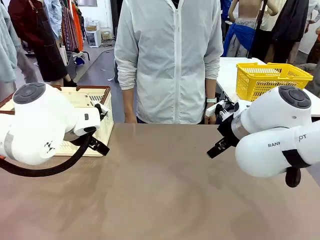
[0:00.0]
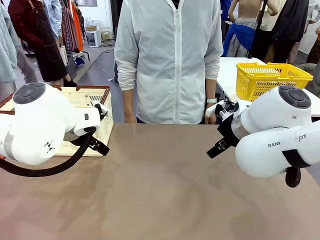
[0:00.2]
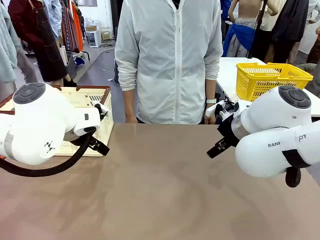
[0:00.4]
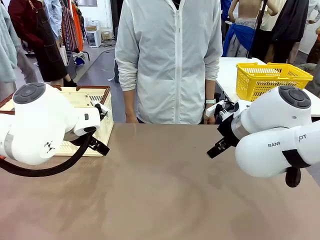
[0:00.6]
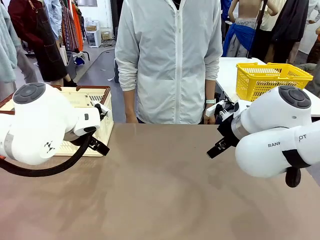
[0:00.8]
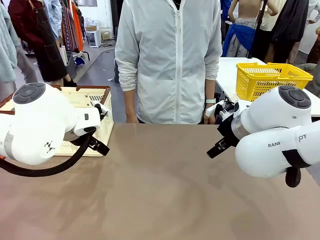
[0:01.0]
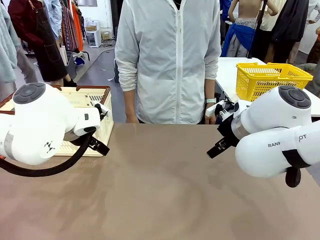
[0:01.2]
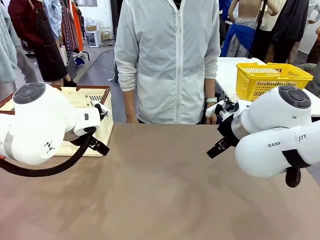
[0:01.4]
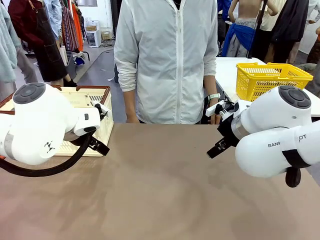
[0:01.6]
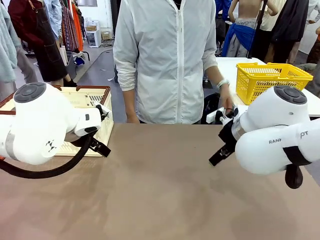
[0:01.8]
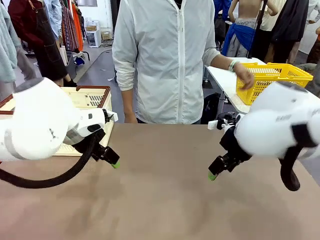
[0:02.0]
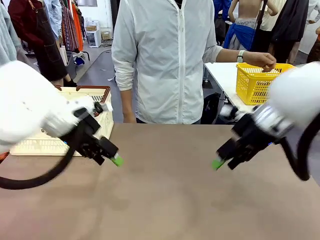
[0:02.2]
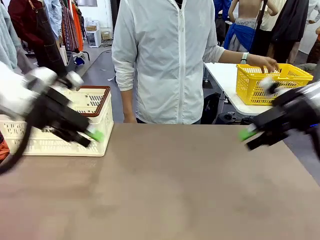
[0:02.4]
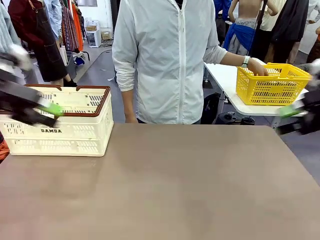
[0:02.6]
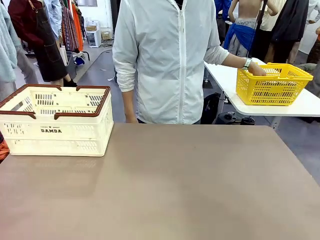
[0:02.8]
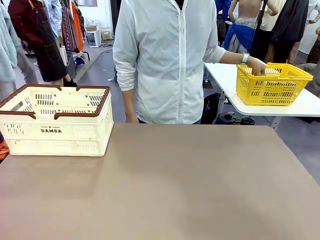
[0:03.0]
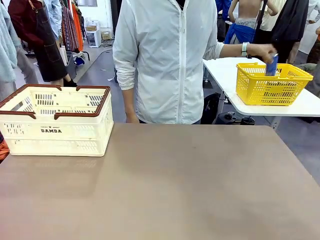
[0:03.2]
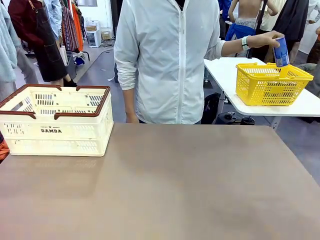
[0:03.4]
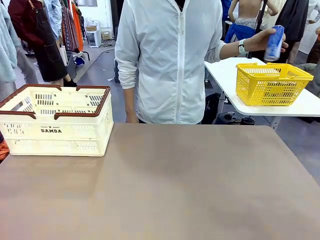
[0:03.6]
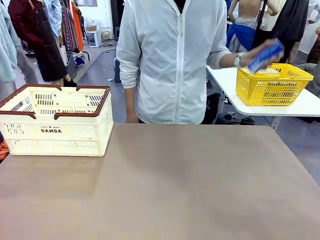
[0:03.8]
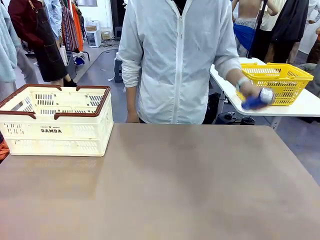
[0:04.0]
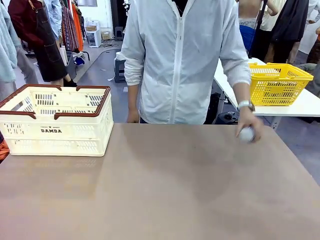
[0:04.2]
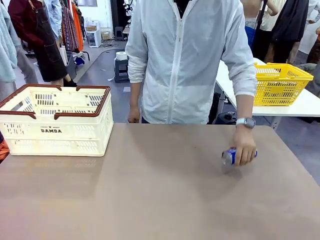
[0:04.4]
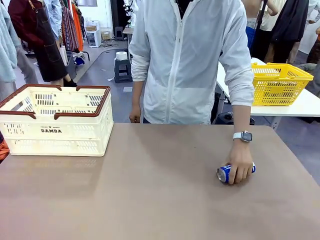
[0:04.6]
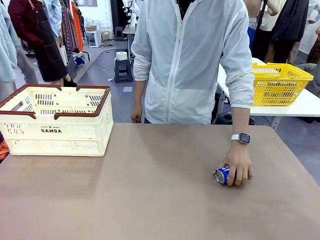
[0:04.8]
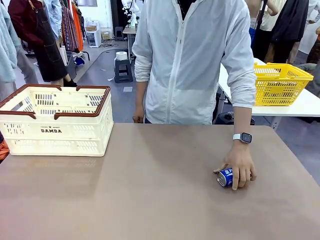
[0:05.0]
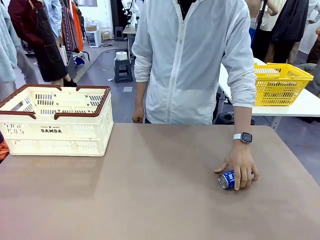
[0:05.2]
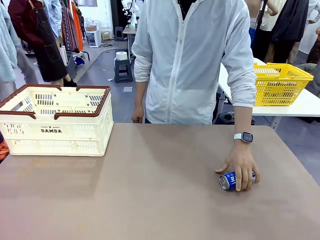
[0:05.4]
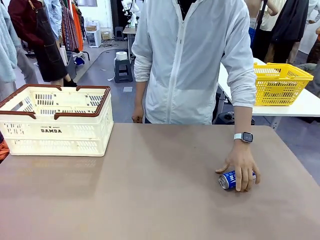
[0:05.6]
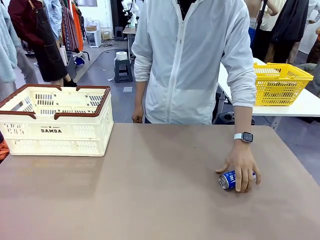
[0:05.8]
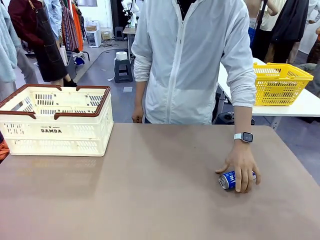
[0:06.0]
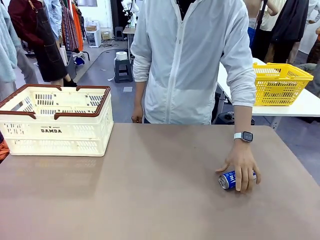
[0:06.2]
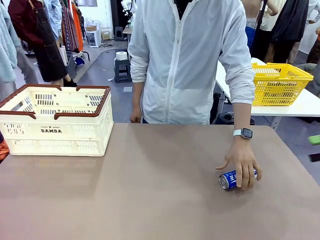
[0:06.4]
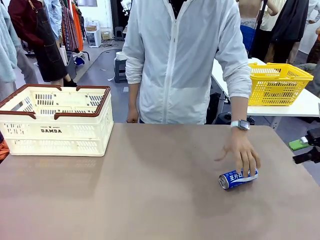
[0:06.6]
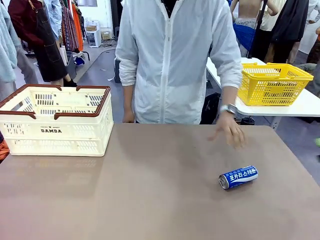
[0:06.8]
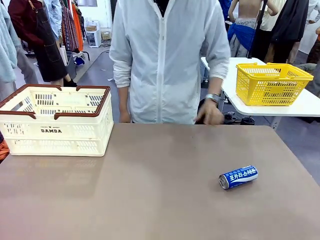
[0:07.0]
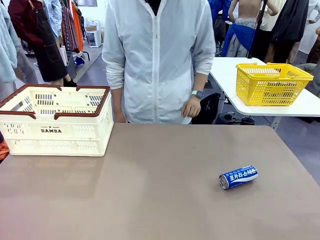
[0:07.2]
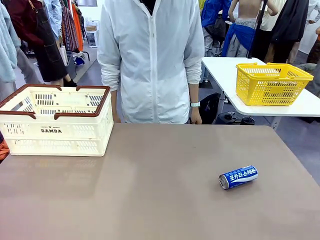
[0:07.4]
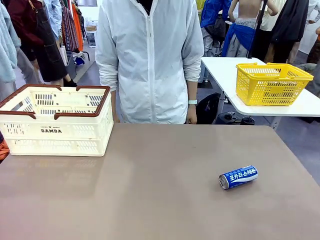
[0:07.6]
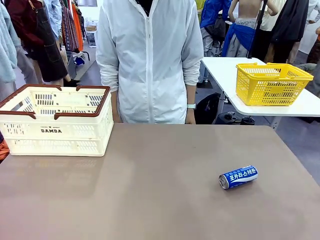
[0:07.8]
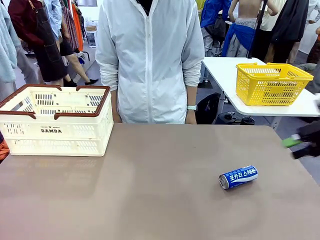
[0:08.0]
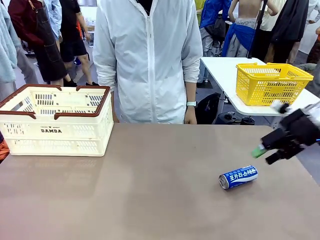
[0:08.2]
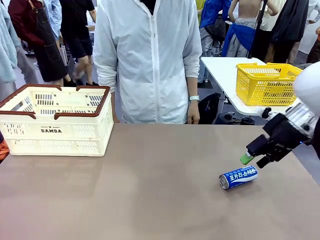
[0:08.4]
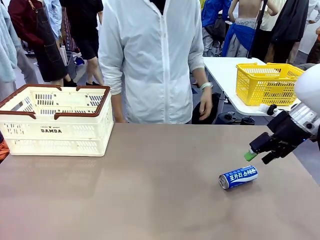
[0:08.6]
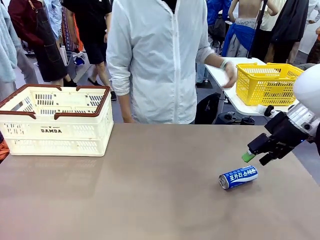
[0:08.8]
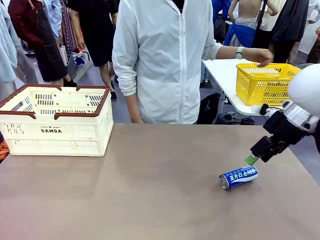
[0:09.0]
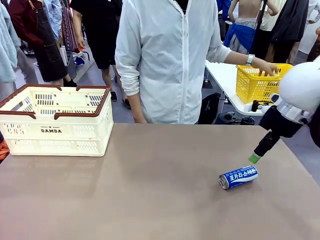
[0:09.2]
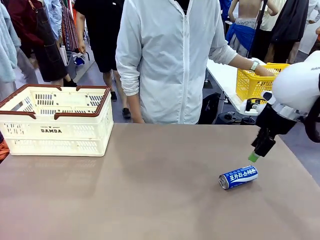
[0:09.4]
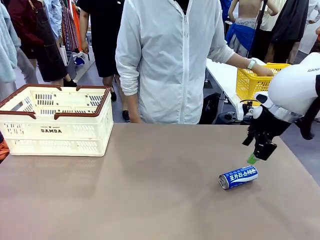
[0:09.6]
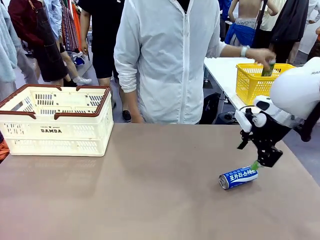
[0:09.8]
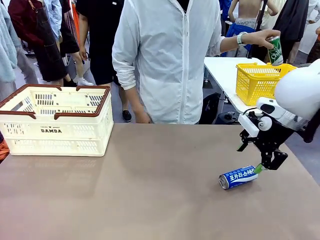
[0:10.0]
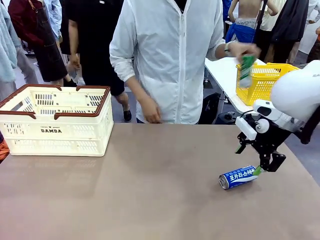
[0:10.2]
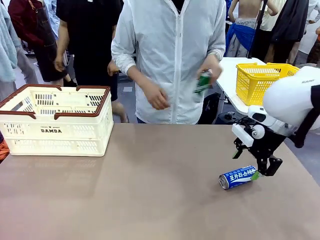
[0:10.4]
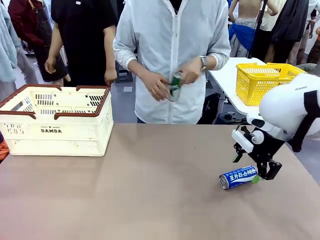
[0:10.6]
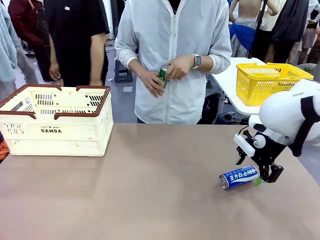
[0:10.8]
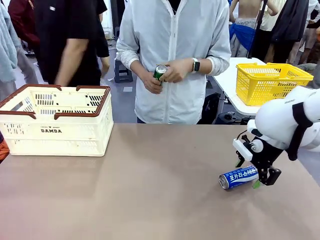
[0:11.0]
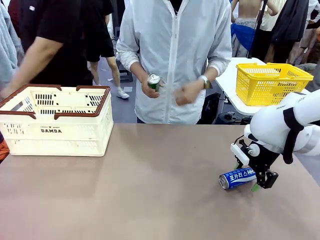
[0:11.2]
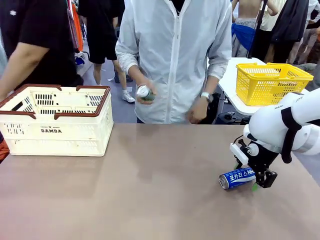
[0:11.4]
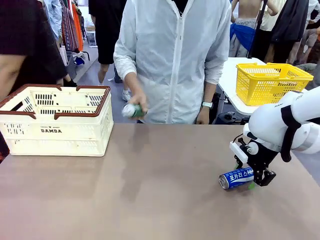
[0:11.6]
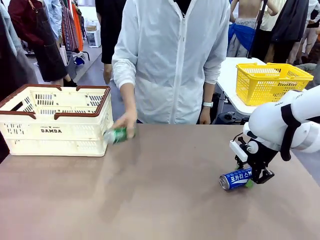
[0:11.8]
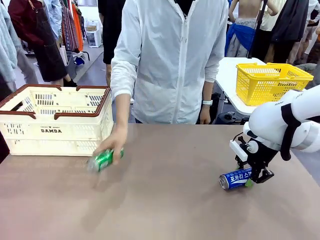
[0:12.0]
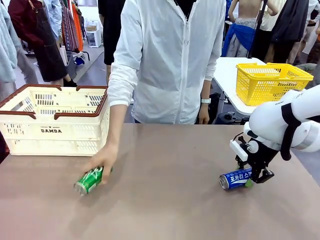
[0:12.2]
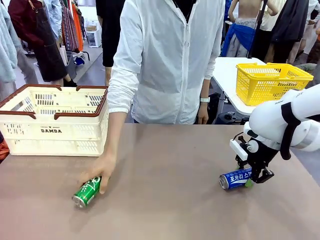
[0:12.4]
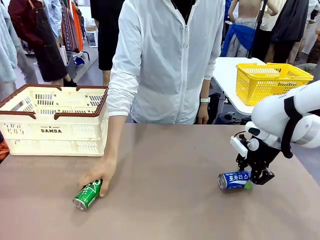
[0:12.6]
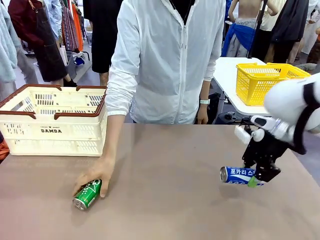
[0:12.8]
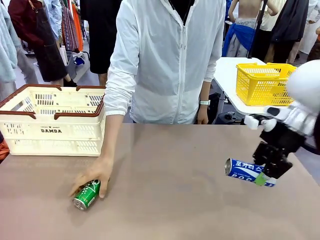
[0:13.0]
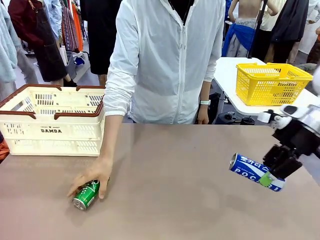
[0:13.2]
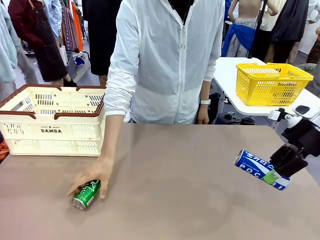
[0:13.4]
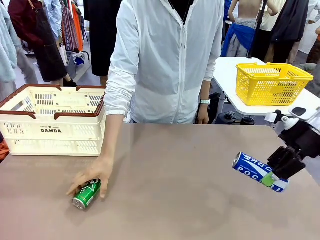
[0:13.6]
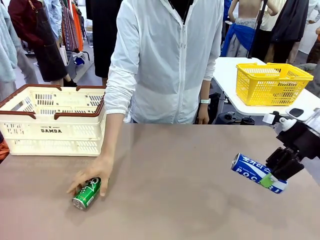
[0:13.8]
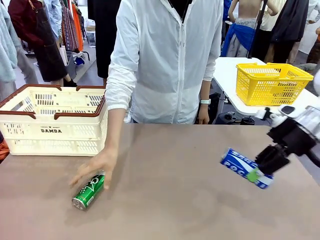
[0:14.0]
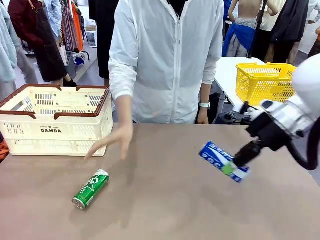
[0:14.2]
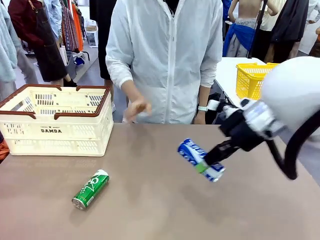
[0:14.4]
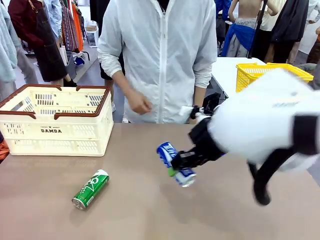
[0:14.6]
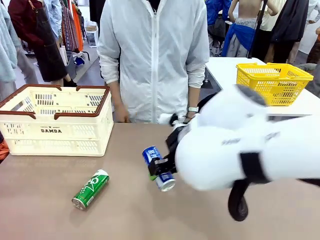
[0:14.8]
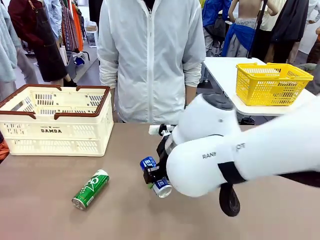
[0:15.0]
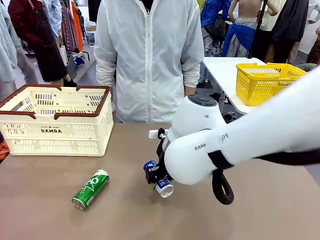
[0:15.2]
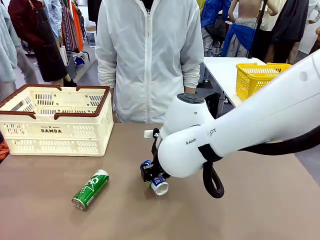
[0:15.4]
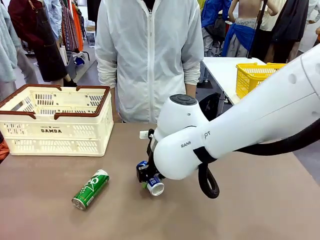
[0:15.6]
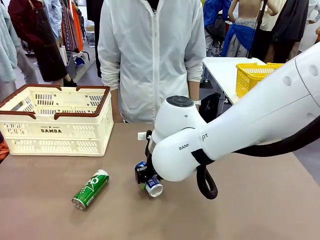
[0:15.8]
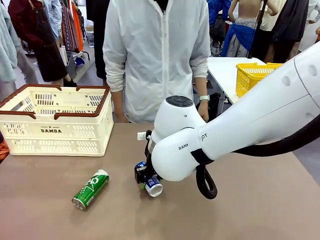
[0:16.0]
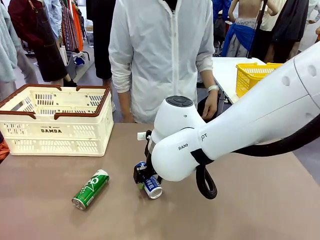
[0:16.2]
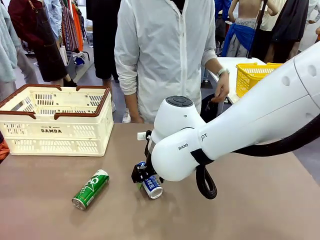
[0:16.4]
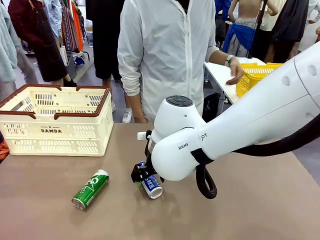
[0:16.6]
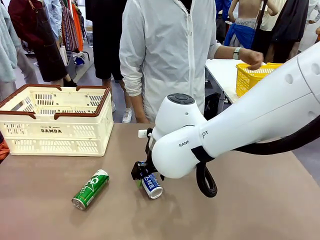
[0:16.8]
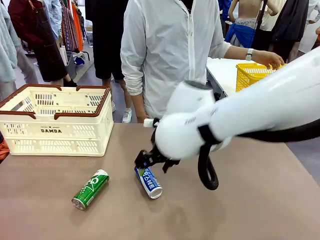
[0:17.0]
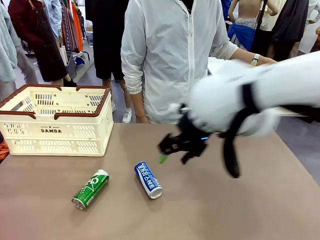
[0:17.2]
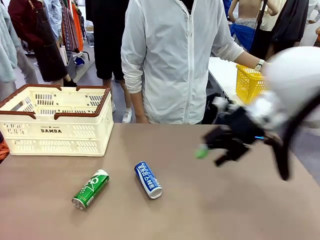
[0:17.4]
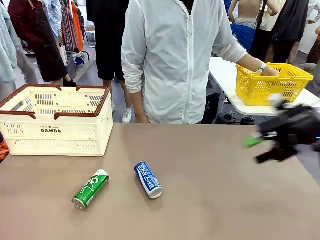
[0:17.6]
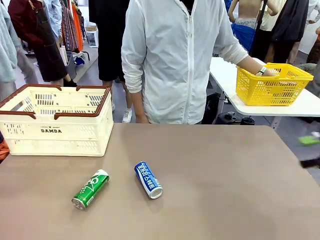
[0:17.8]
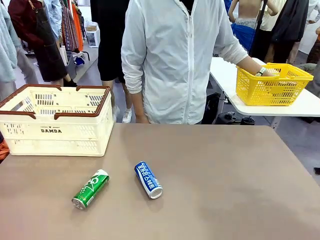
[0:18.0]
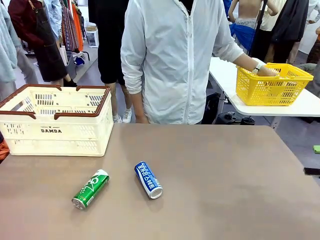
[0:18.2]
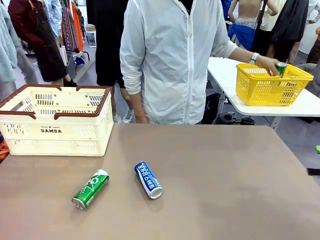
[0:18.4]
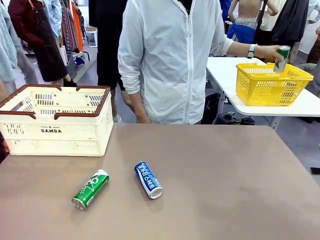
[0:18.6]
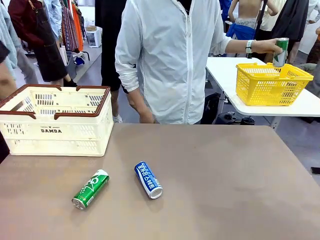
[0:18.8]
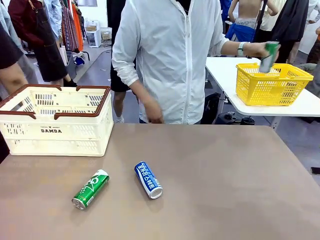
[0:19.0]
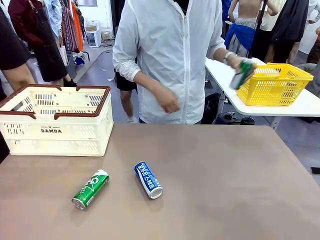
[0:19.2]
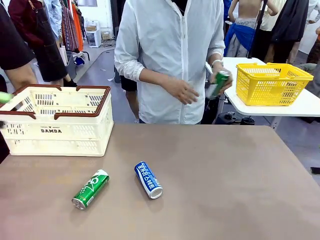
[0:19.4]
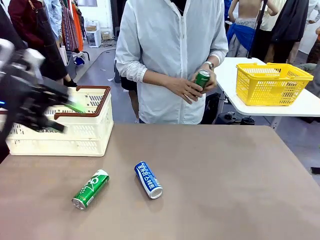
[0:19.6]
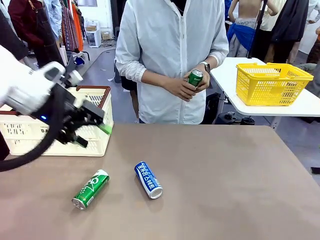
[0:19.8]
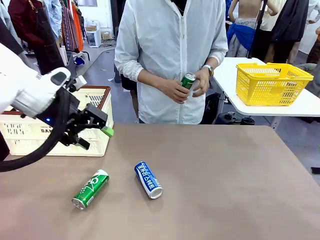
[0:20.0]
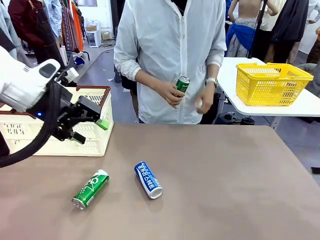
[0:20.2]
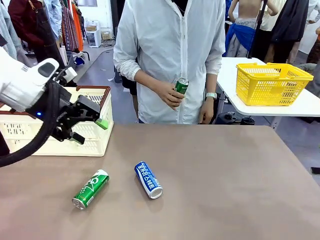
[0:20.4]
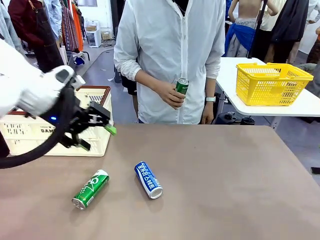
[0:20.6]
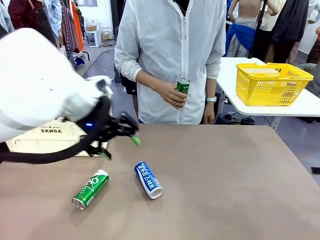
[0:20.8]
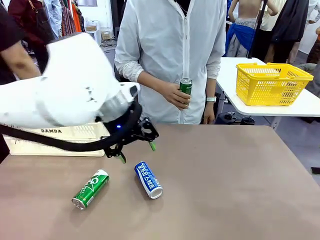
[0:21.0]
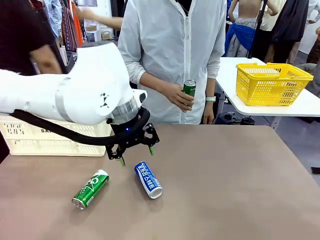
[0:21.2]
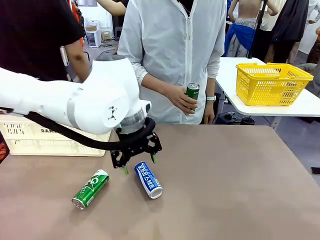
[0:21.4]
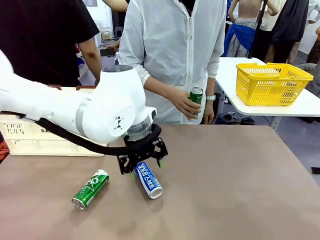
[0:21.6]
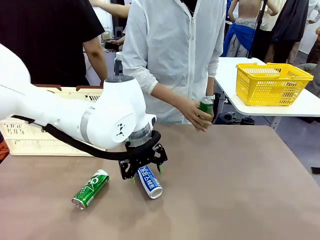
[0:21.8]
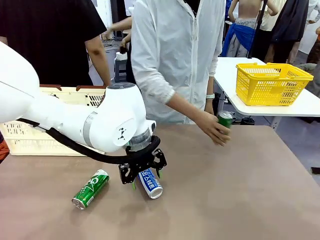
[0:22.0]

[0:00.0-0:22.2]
Task: Place the drinks into the Shopping basket.
Robot: Pick up one drink and place it into the Shopping basket.
